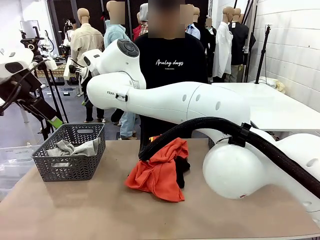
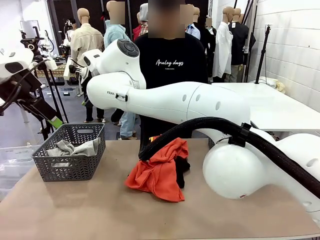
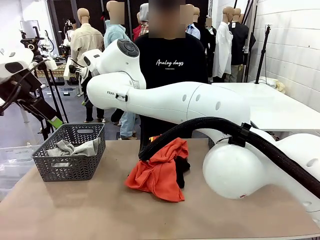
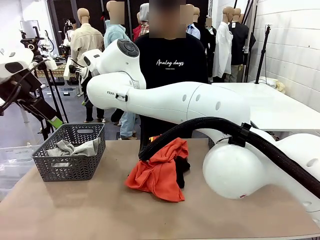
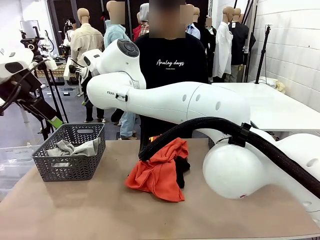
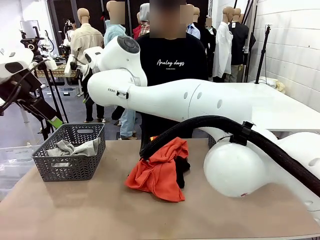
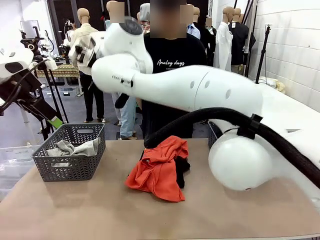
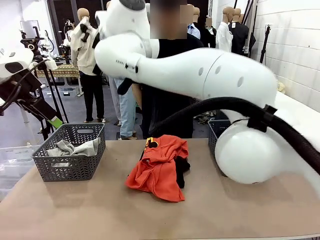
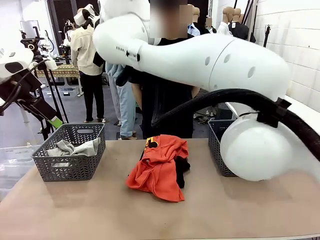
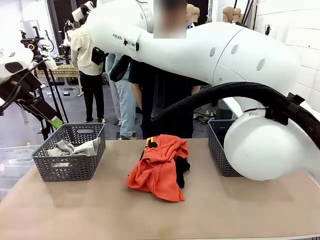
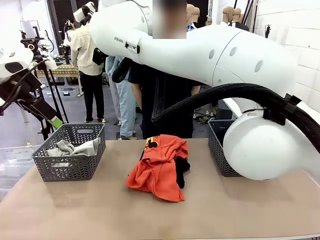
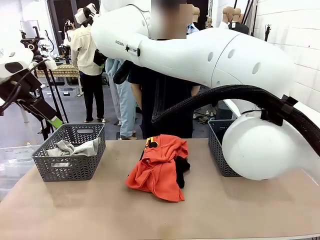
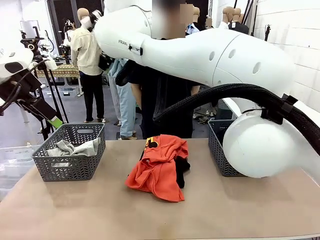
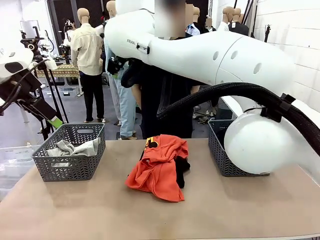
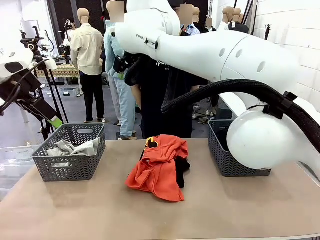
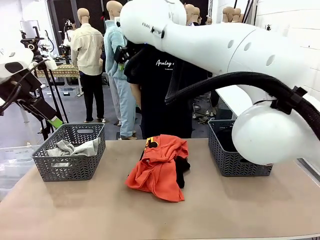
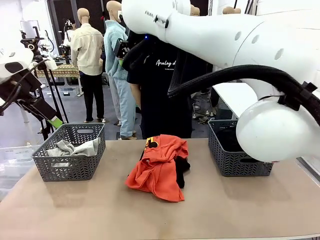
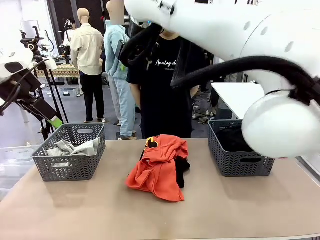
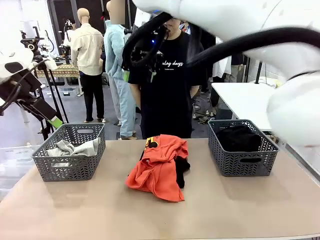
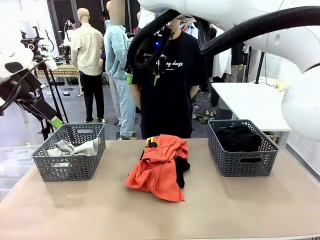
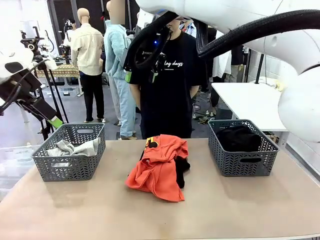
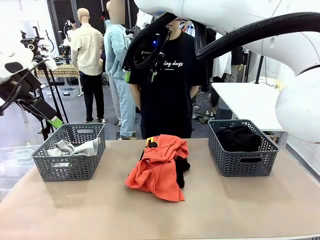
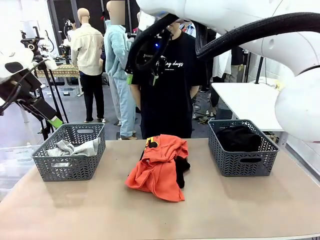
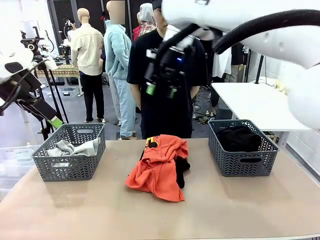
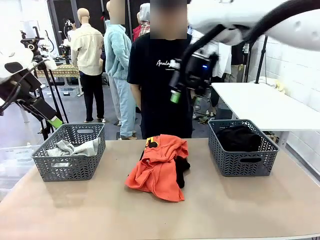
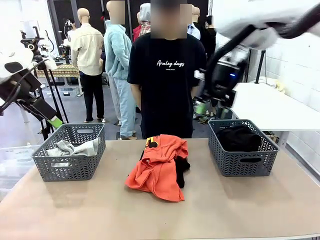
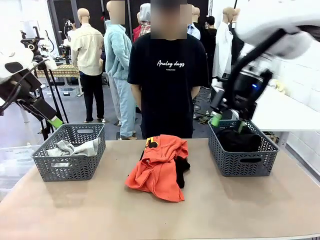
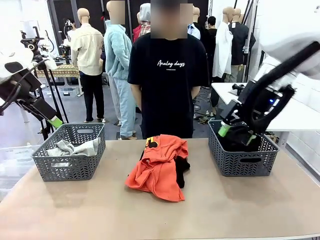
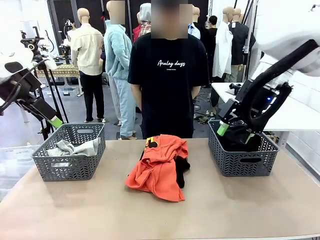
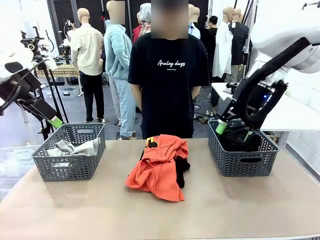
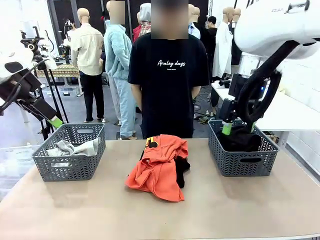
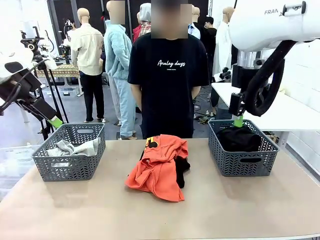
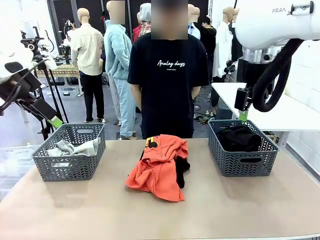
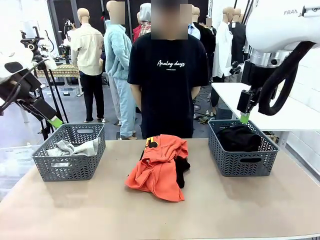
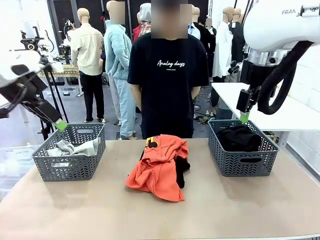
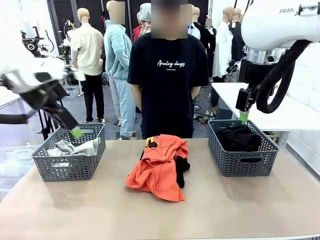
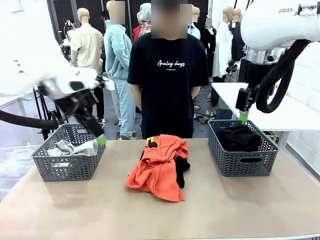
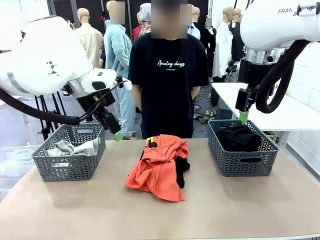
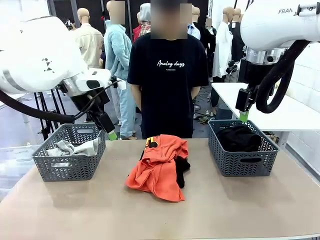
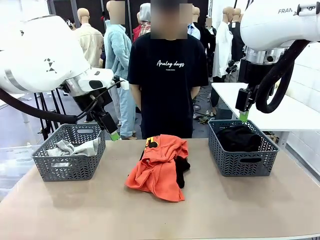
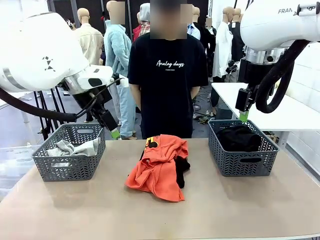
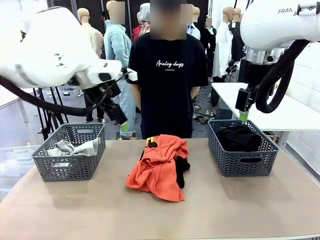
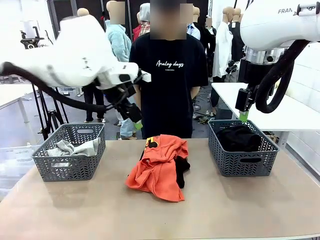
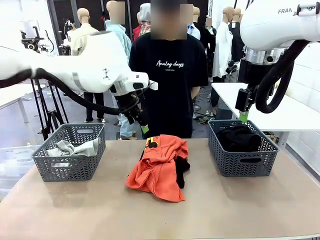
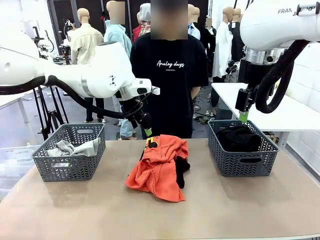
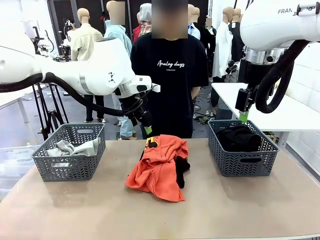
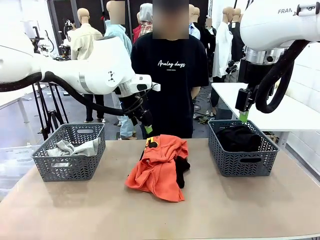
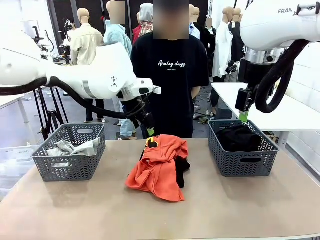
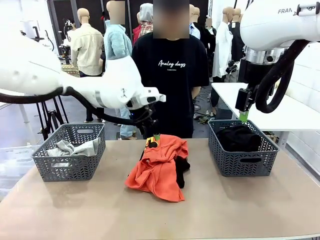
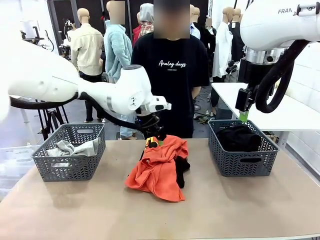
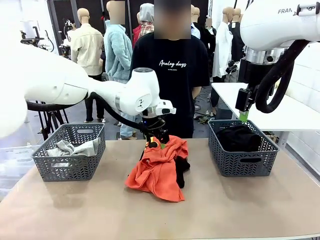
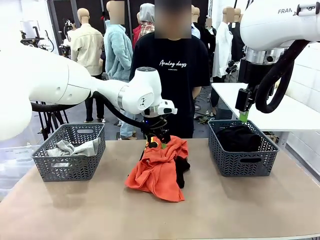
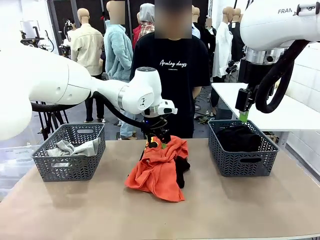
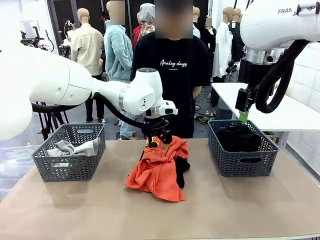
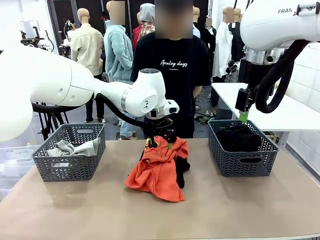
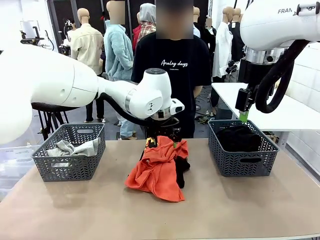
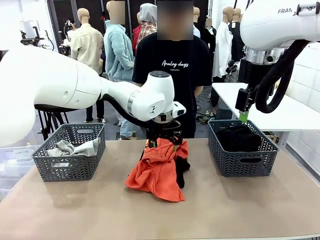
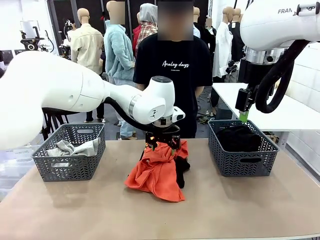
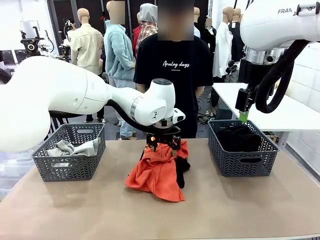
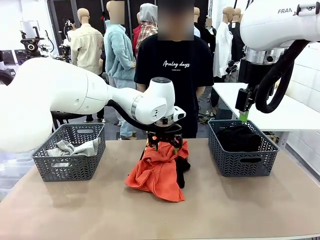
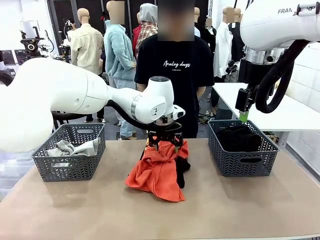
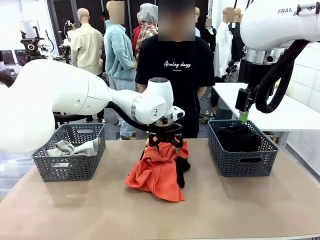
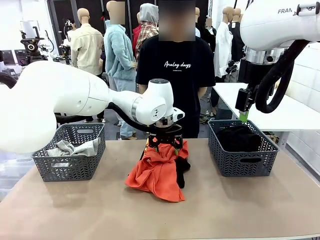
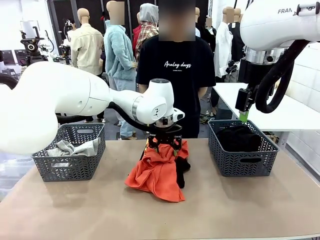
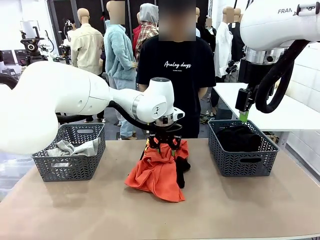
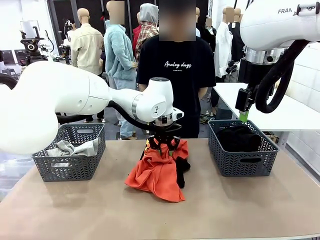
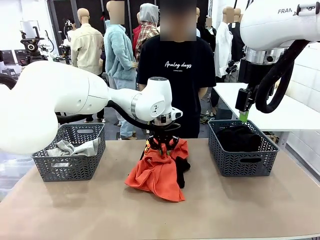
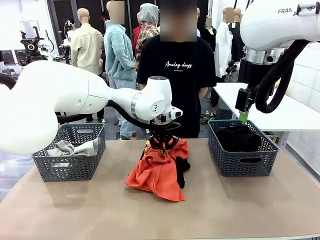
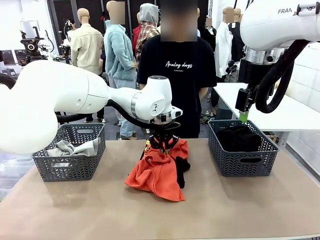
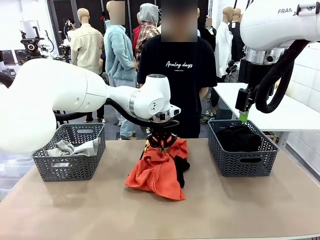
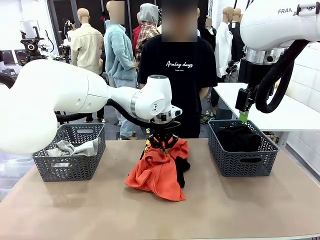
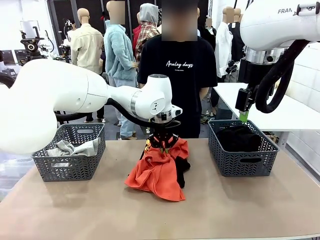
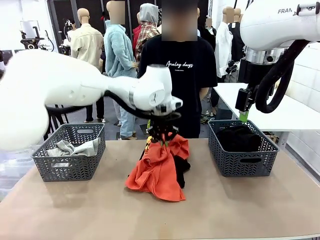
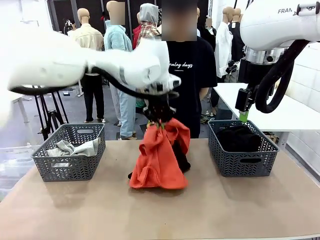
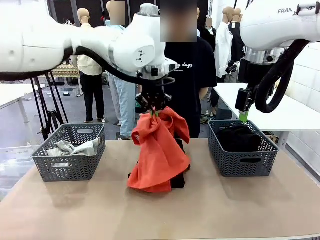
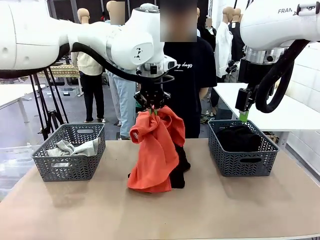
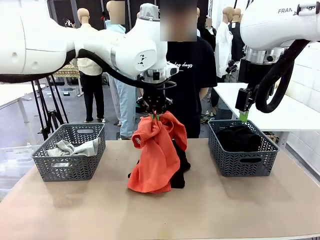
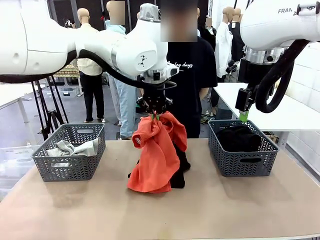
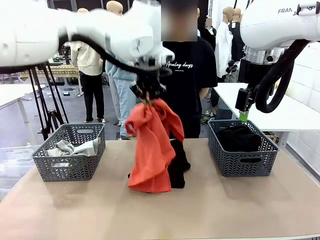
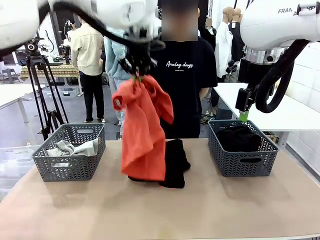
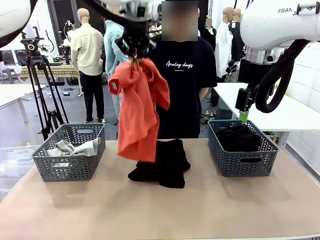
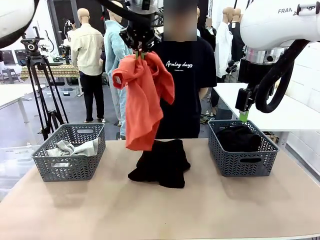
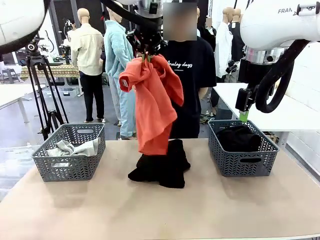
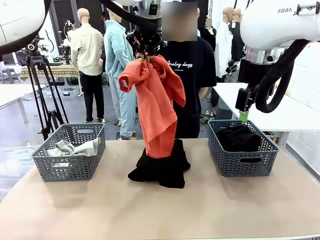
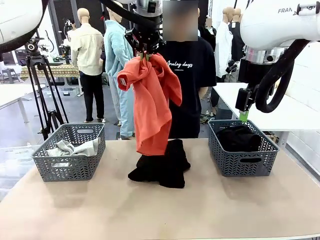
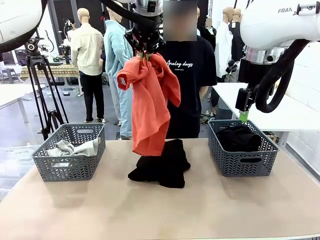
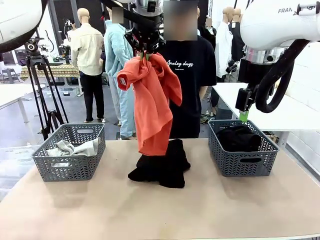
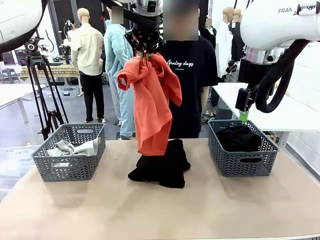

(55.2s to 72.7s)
Task: Sort the tops and bottoms.
Robot: Lift clothes from the center of the table with your left hand.
